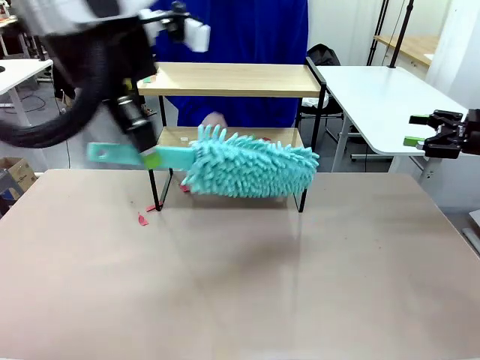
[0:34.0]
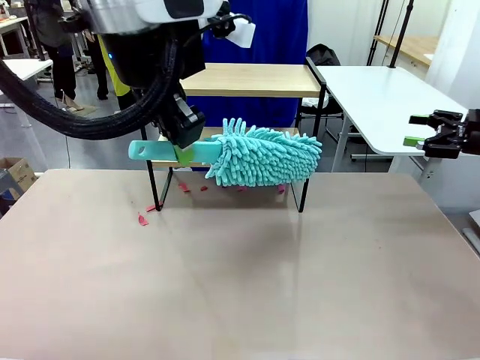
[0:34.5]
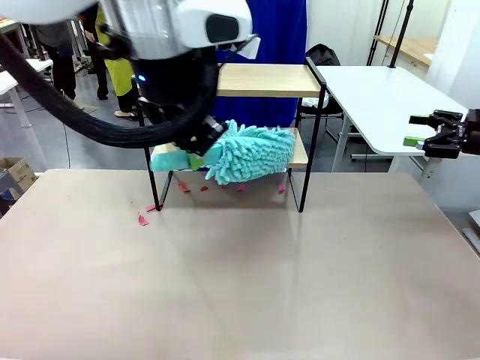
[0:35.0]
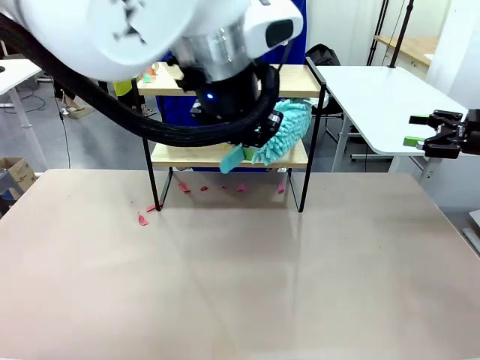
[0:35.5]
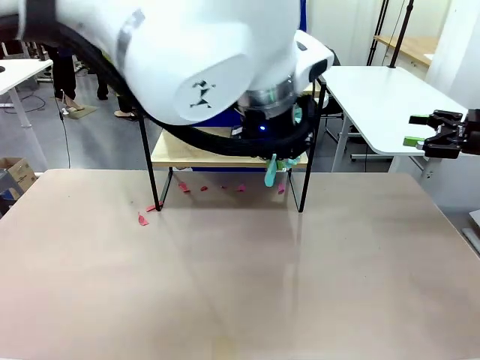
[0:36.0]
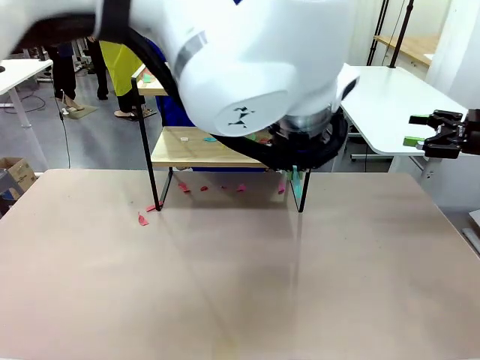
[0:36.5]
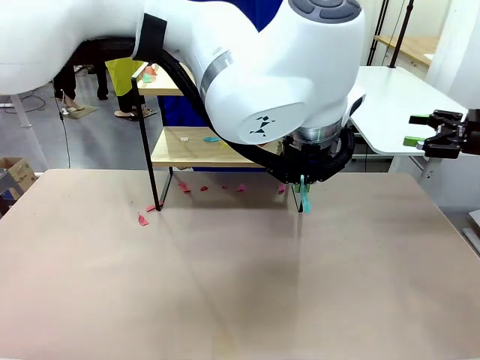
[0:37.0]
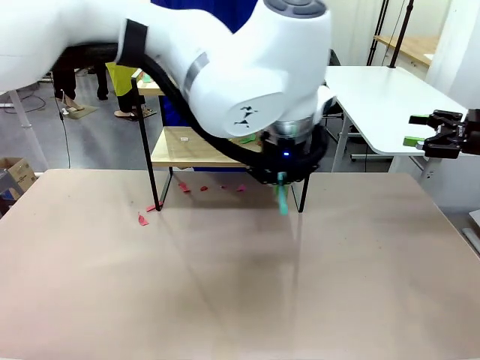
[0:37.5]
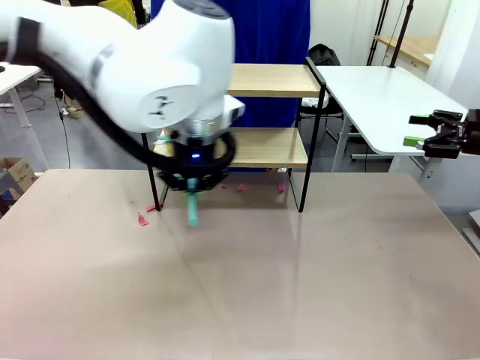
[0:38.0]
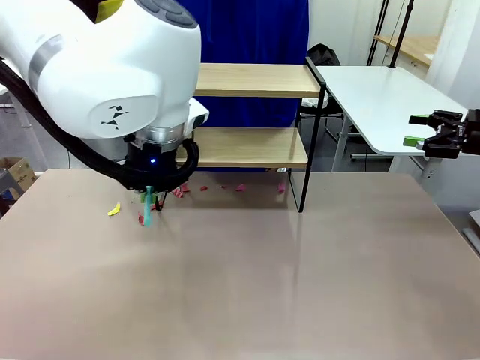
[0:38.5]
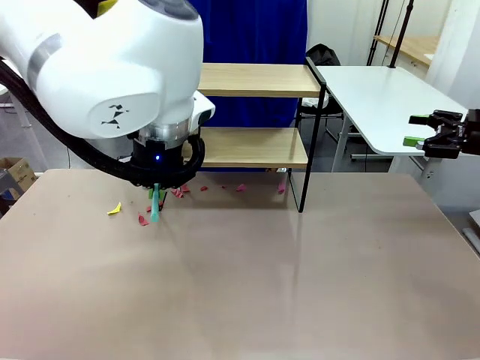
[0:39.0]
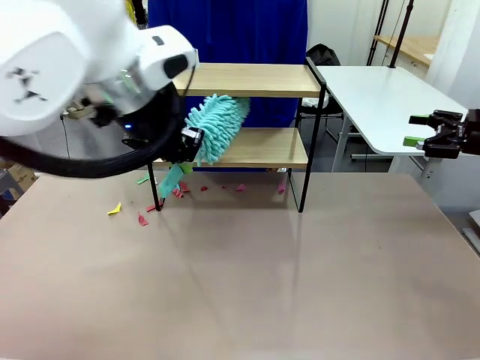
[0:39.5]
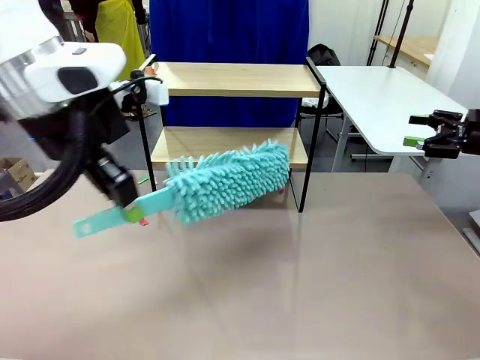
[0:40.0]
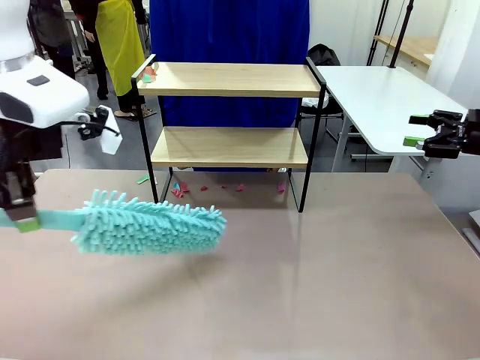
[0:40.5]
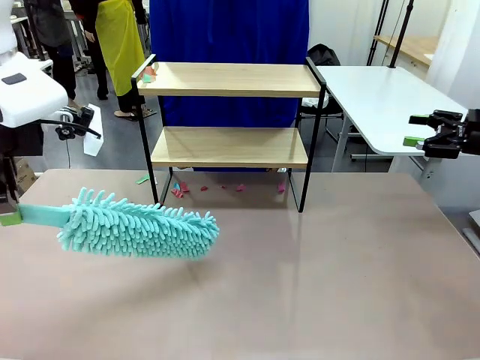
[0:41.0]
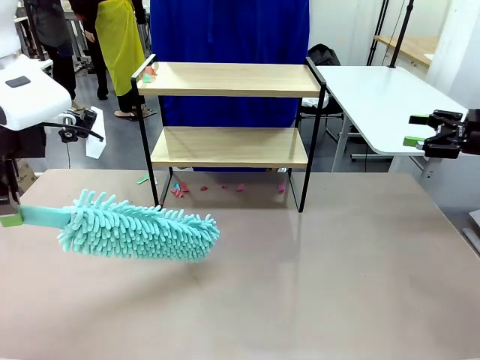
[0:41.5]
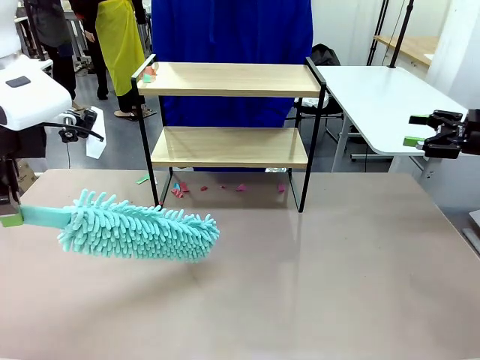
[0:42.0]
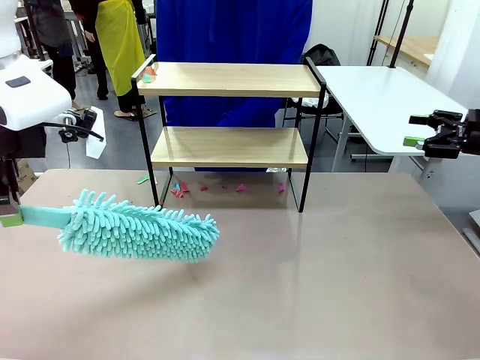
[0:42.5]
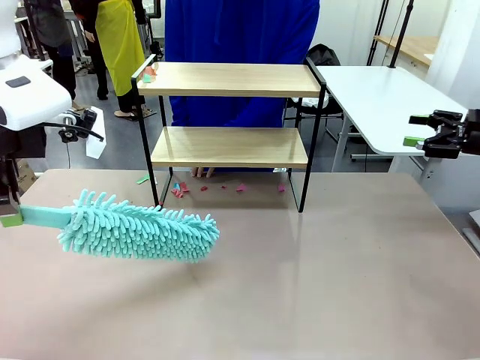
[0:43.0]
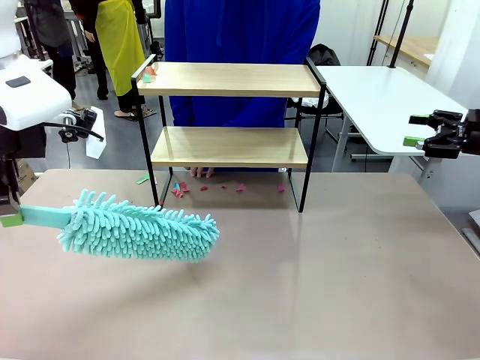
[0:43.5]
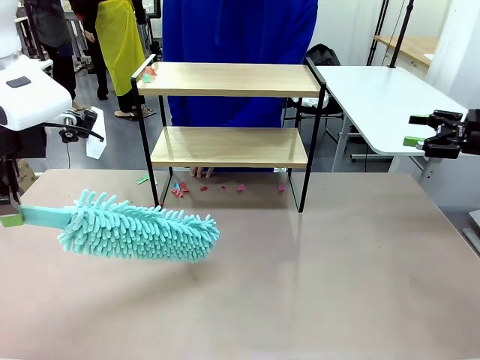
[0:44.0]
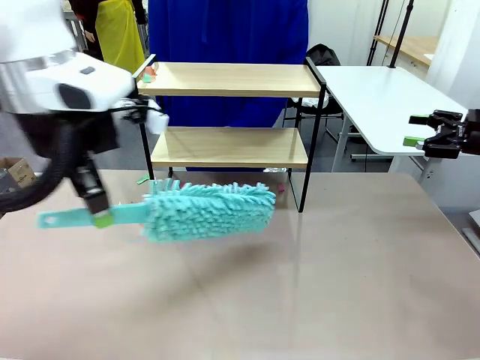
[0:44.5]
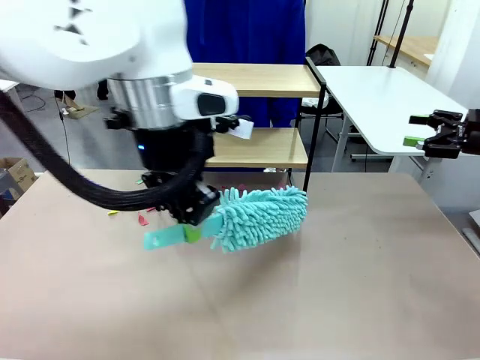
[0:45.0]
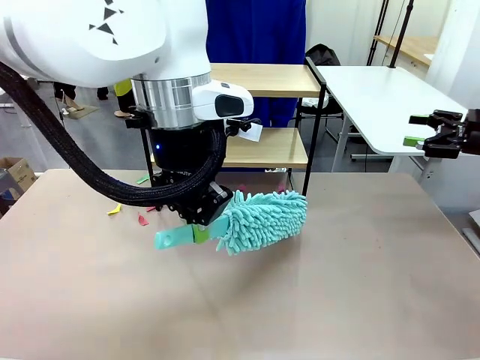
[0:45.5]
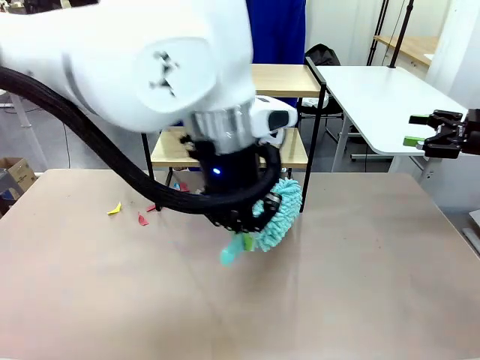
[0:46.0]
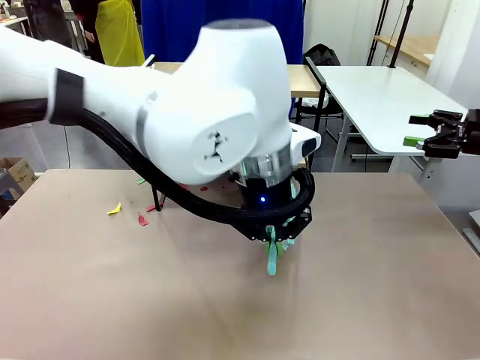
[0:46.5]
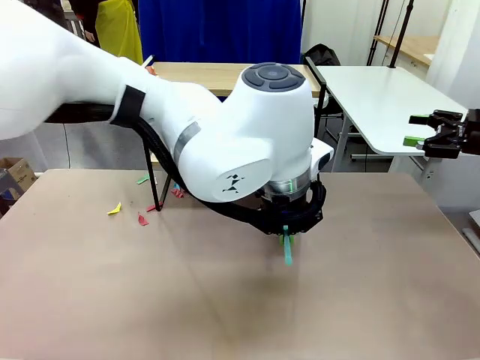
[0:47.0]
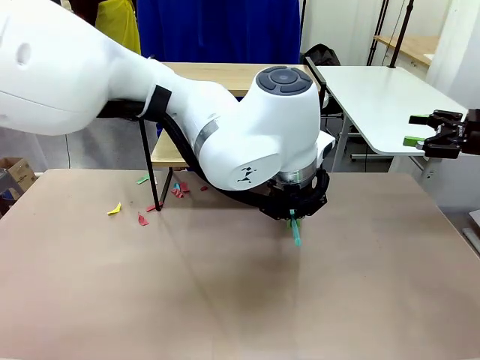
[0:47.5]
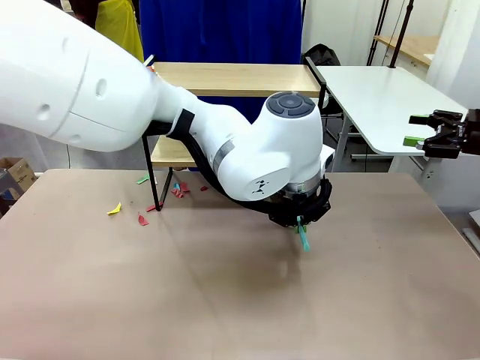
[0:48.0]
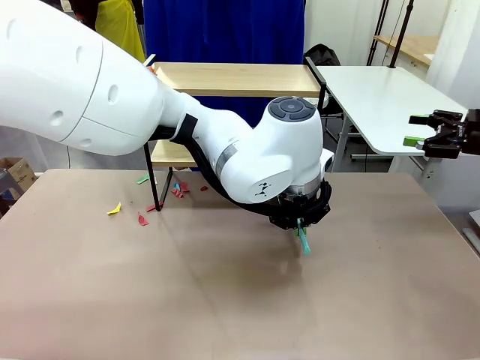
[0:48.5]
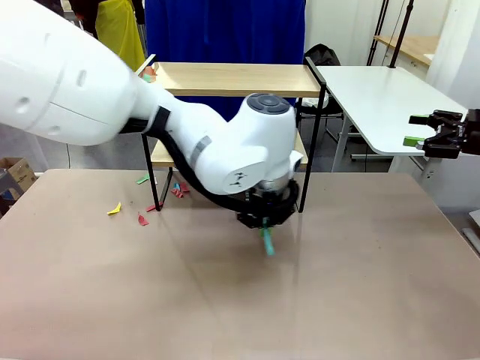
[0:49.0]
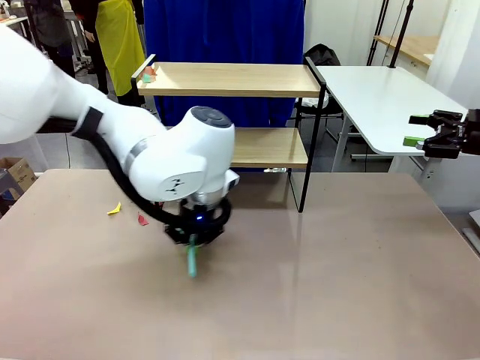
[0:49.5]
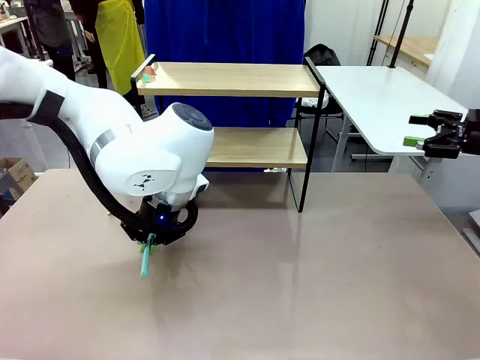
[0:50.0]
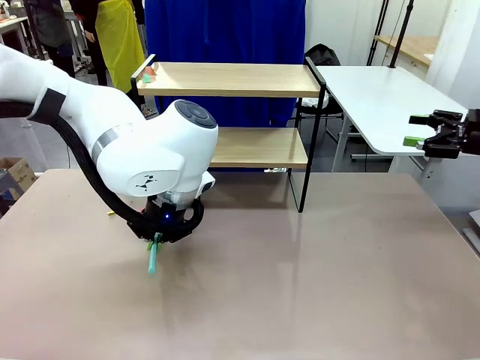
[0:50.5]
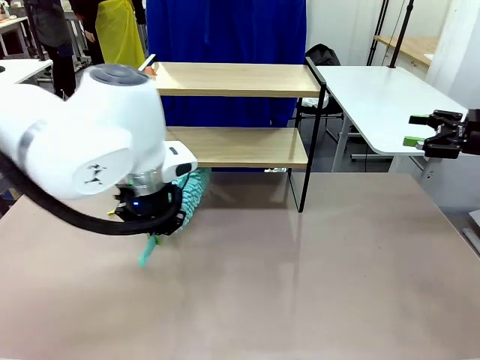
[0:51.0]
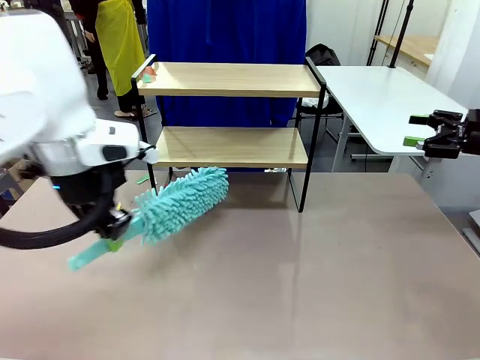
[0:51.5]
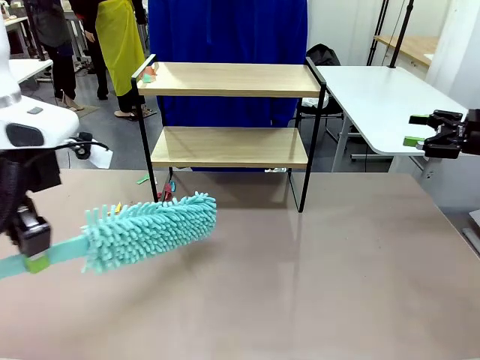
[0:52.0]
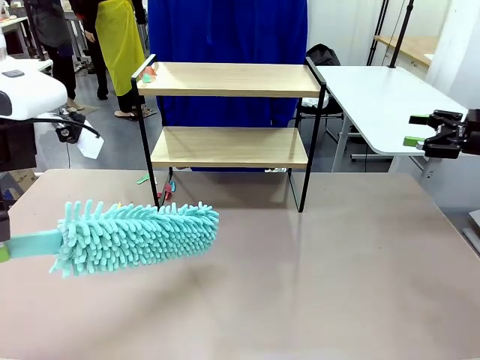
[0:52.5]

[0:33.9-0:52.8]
Task: Clean the shelf.
Robot: Clean the specific section of the Shelf indicated by the human with the Duster.
Person: Point a remaining section of the Shelf.

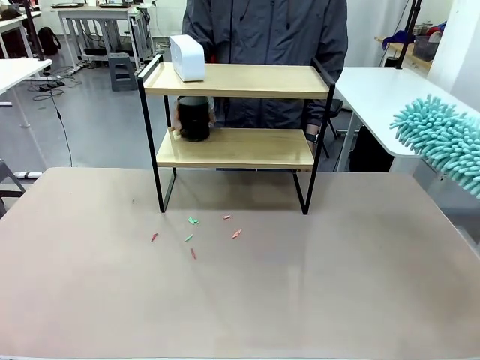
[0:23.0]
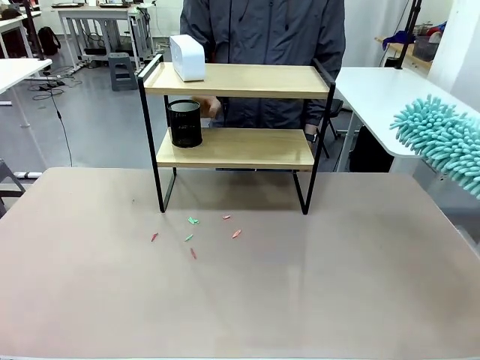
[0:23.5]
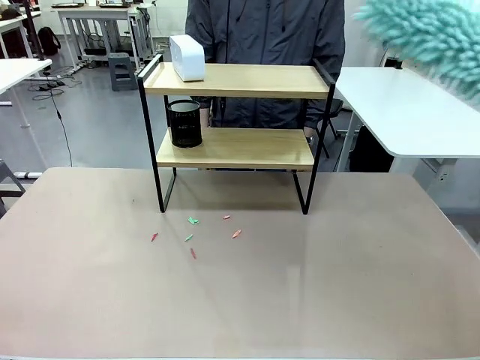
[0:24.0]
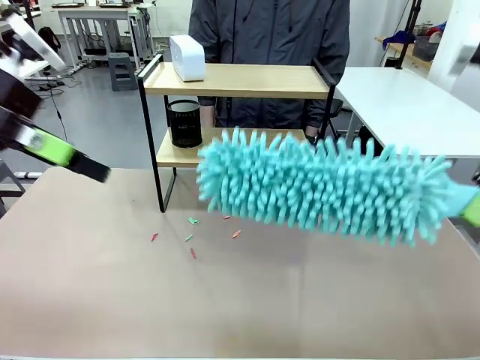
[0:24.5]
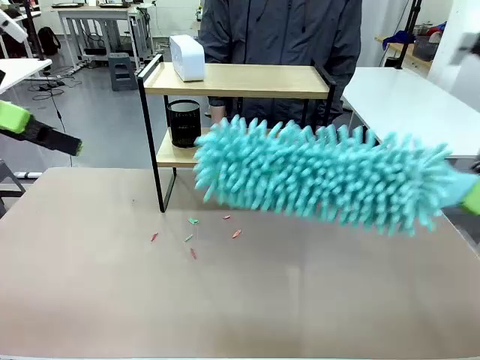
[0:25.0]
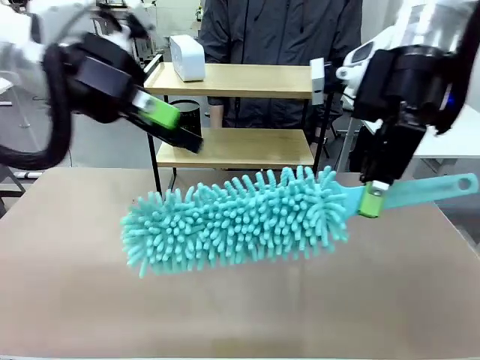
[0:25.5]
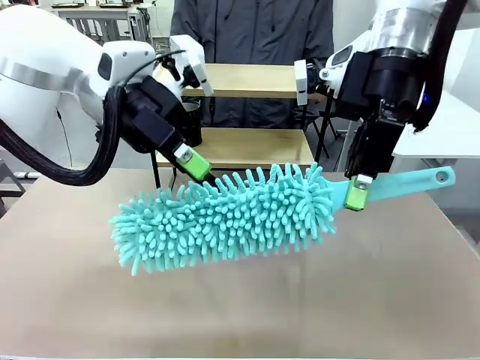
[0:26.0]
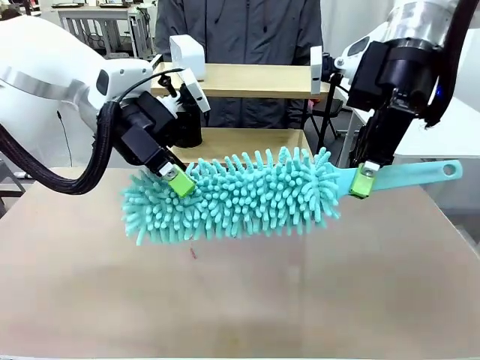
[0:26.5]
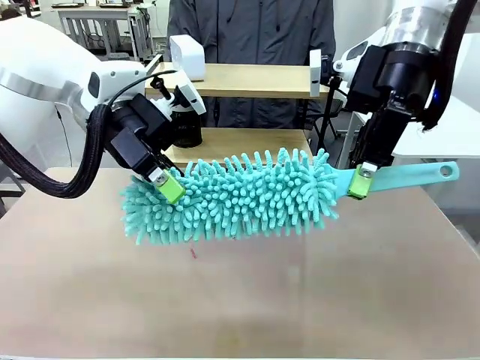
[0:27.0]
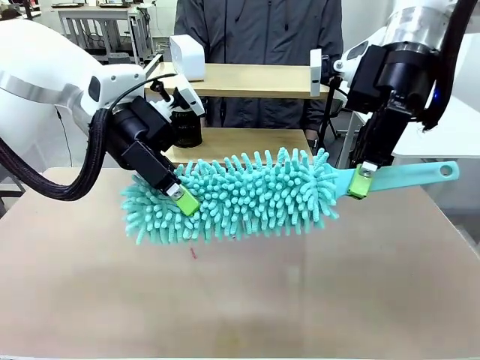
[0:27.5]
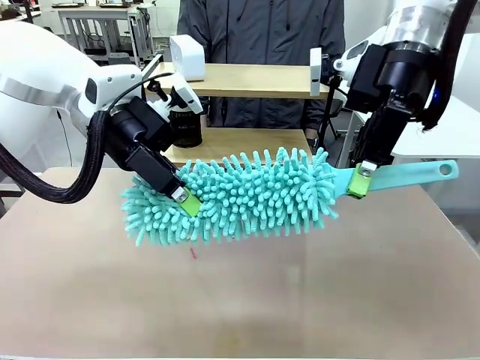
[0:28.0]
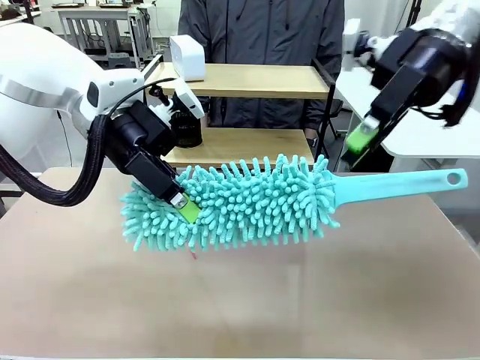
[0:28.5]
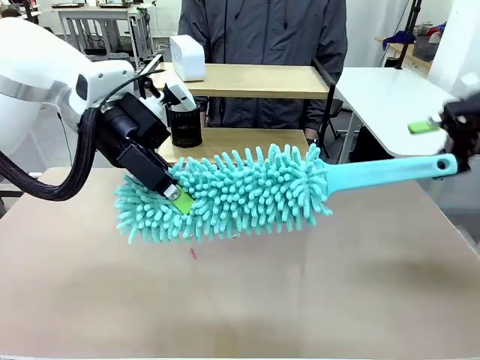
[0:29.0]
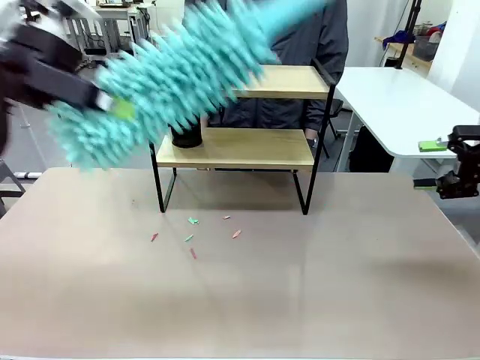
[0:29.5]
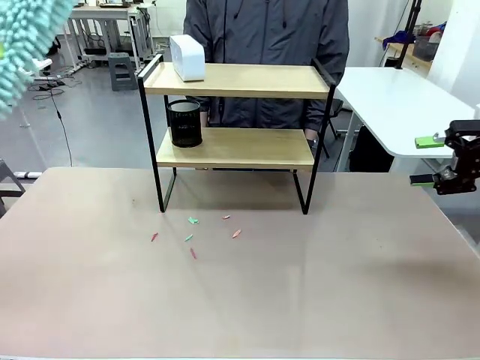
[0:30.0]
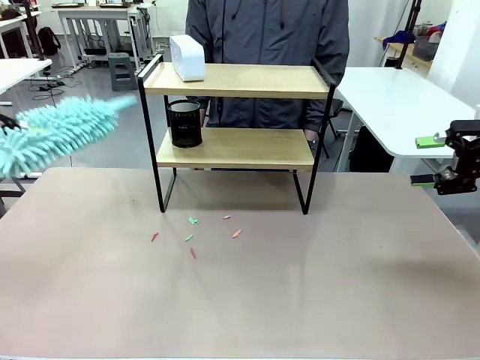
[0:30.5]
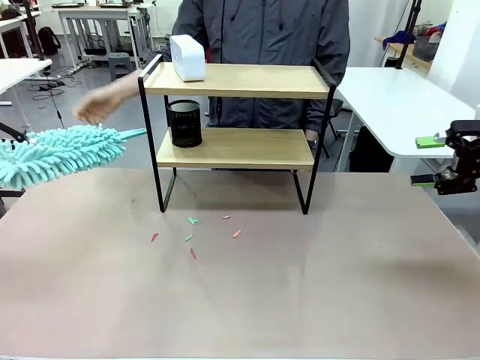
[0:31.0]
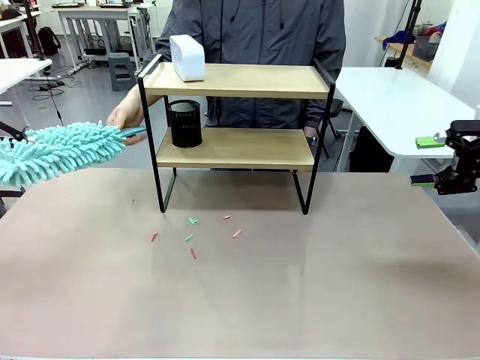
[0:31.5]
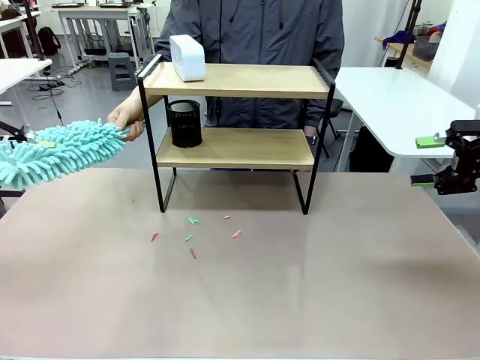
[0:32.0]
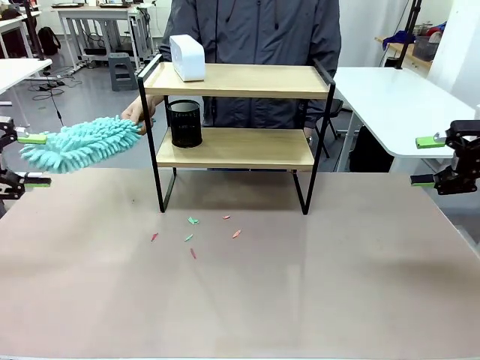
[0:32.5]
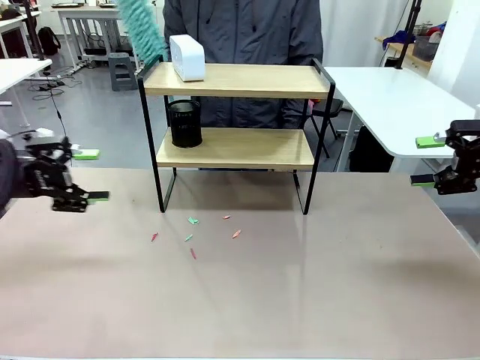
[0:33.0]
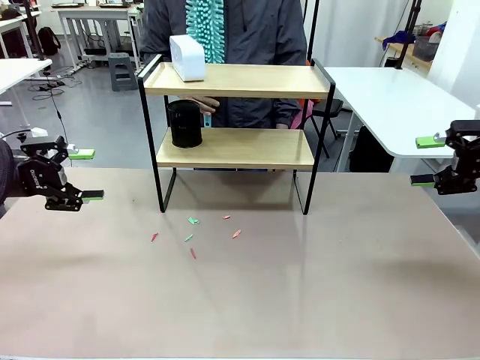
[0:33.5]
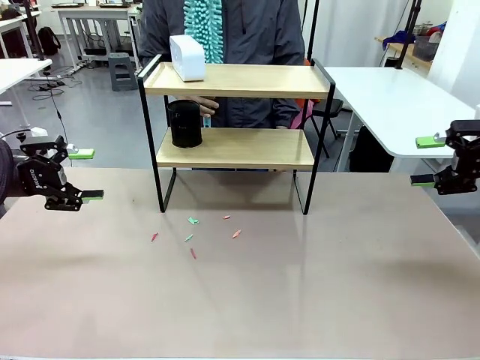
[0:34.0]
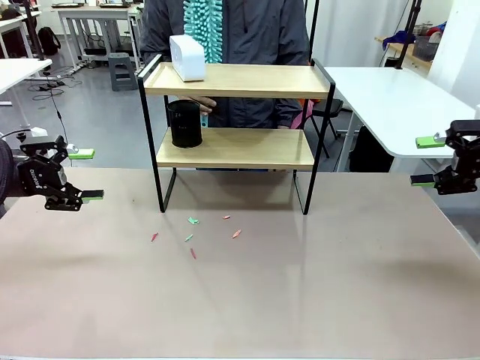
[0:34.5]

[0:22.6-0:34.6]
Task: Clean the shelf.
Robot: Hand the Duster back to the human.
Person: Receive the Duster from the robot.
